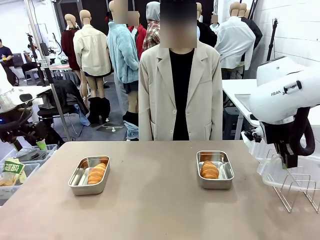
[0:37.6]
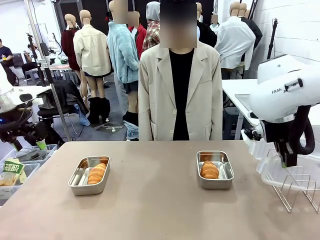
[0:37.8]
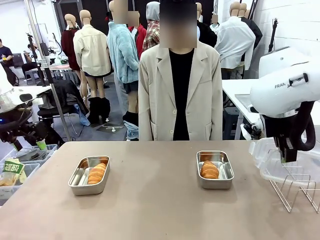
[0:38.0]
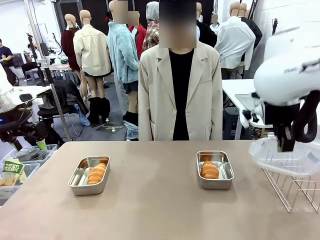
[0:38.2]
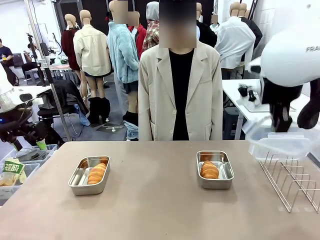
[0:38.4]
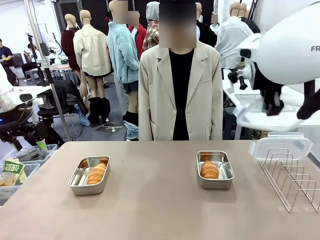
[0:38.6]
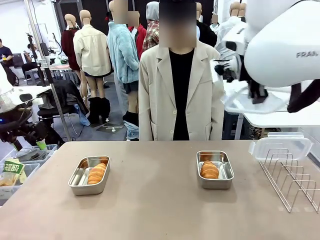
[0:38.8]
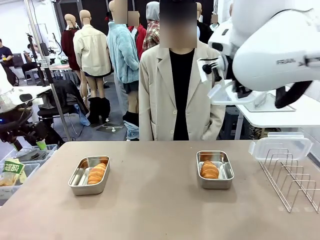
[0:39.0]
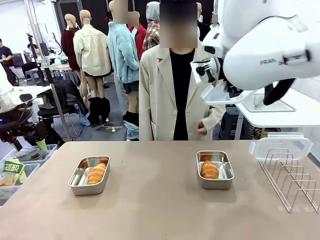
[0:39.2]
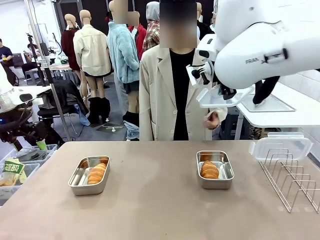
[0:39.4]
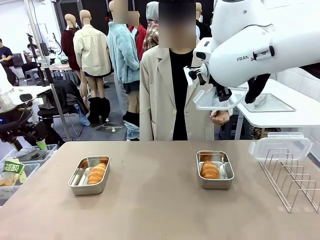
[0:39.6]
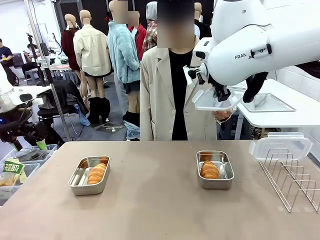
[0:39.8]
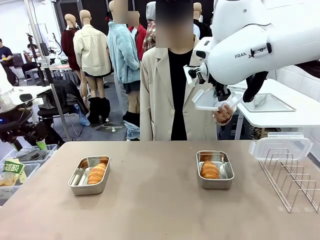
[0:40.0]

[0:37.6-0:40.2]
Task: Place the bread in airtight containers.
Robot: Release when the human grabs the Airtight Container lid.

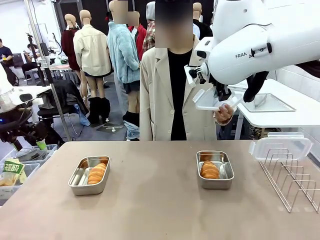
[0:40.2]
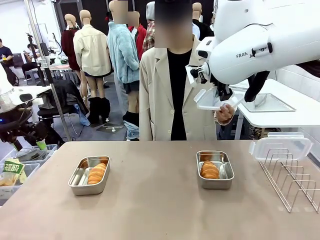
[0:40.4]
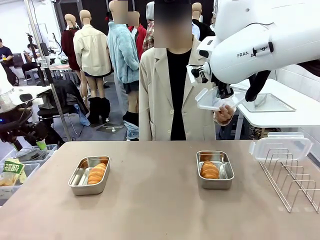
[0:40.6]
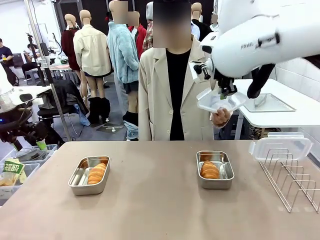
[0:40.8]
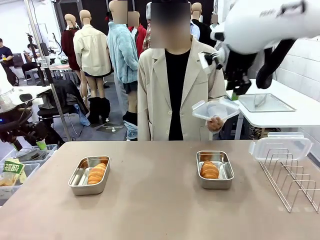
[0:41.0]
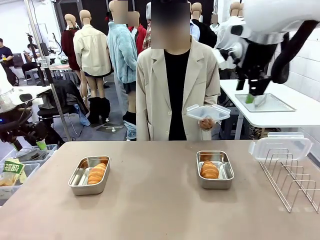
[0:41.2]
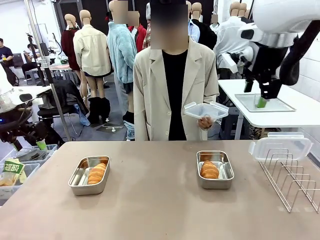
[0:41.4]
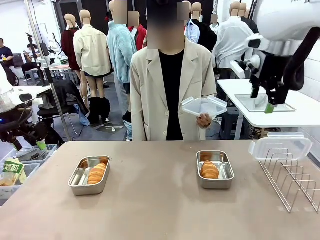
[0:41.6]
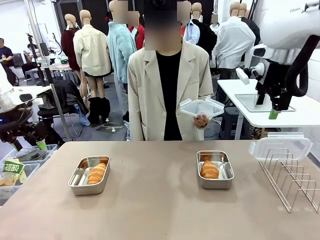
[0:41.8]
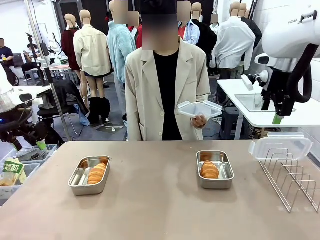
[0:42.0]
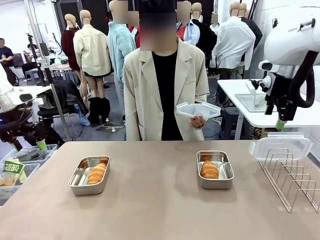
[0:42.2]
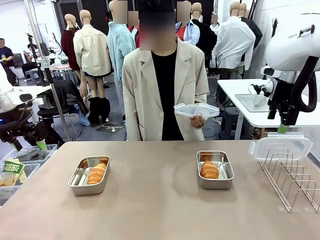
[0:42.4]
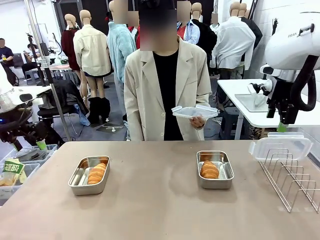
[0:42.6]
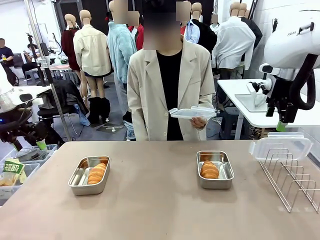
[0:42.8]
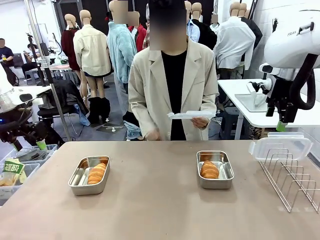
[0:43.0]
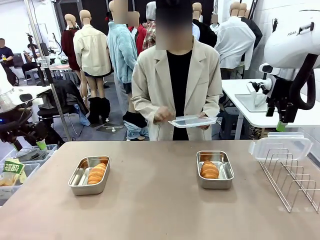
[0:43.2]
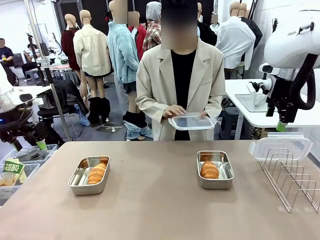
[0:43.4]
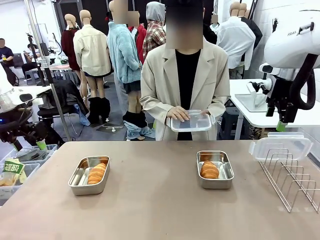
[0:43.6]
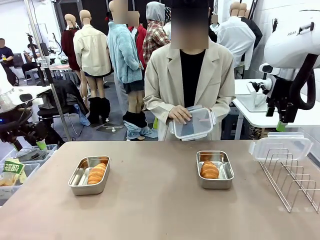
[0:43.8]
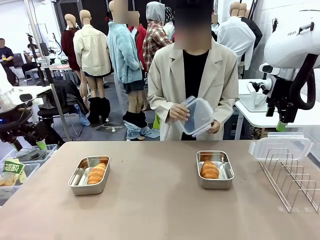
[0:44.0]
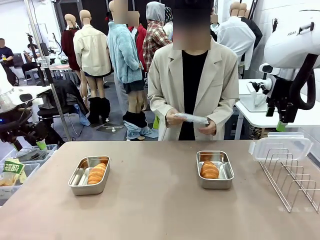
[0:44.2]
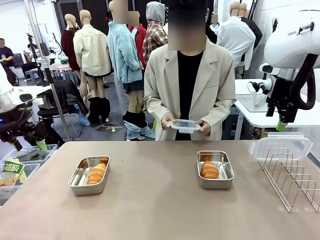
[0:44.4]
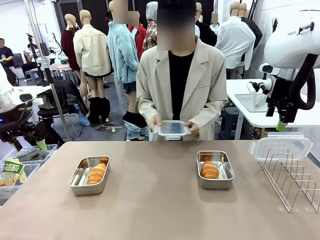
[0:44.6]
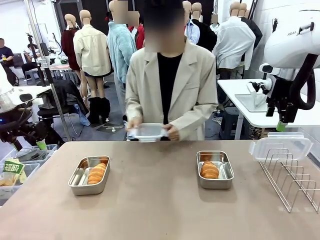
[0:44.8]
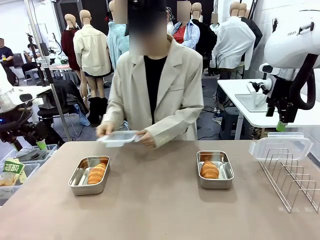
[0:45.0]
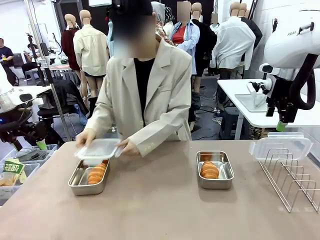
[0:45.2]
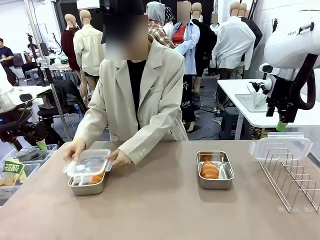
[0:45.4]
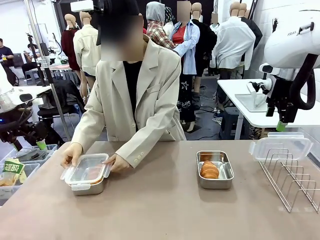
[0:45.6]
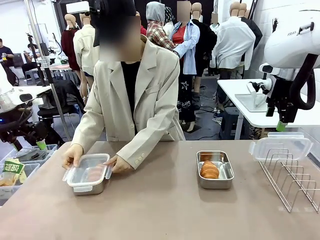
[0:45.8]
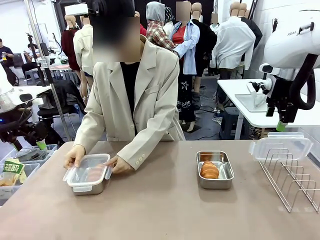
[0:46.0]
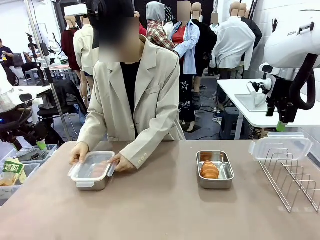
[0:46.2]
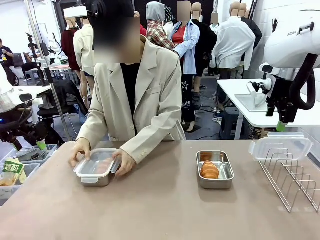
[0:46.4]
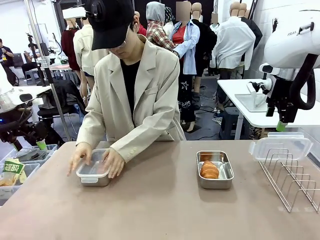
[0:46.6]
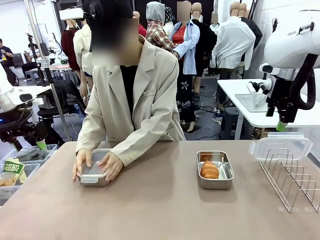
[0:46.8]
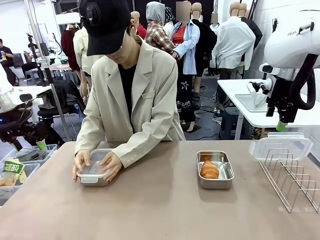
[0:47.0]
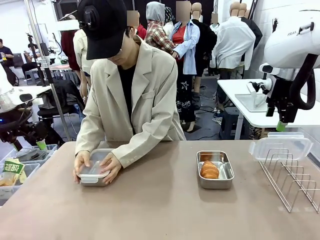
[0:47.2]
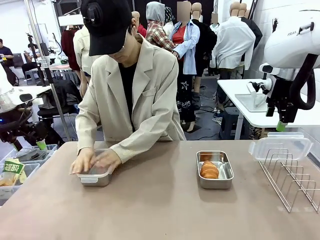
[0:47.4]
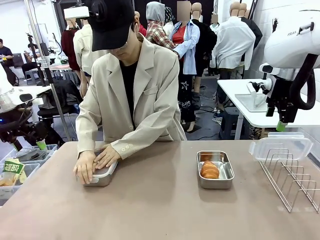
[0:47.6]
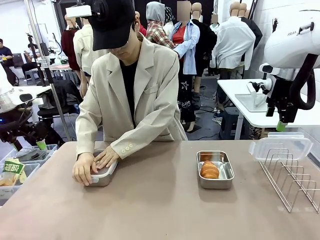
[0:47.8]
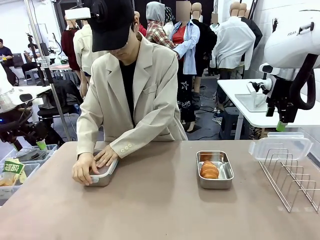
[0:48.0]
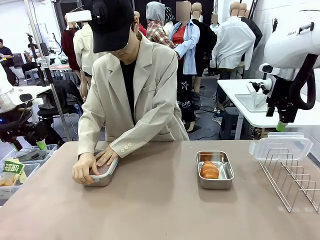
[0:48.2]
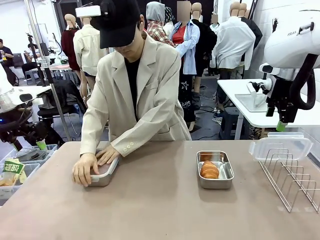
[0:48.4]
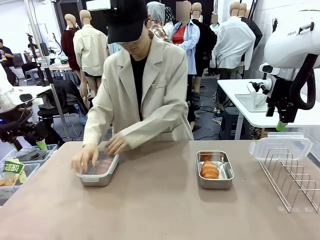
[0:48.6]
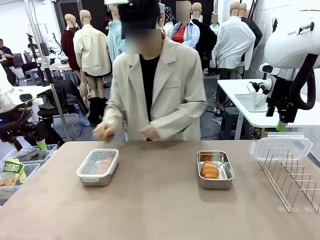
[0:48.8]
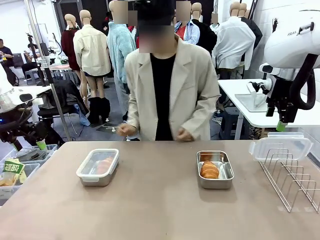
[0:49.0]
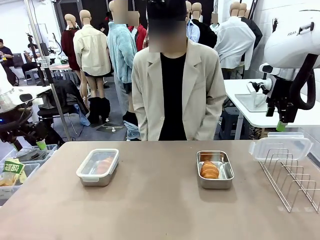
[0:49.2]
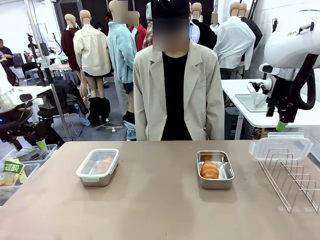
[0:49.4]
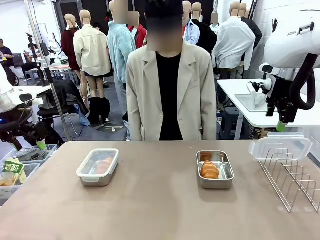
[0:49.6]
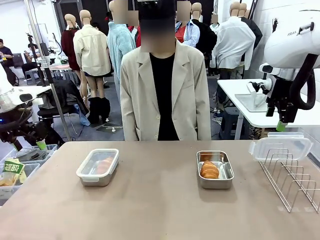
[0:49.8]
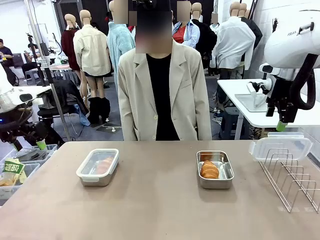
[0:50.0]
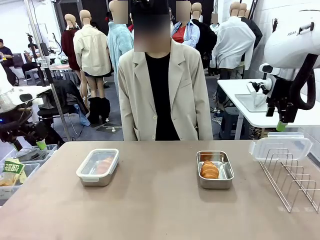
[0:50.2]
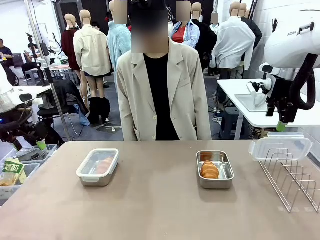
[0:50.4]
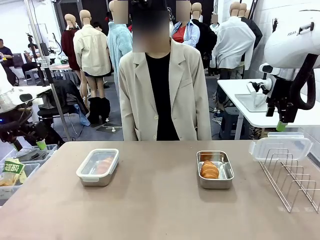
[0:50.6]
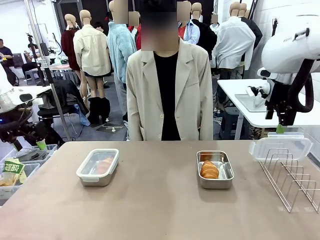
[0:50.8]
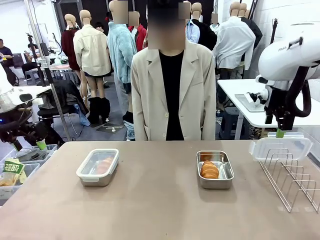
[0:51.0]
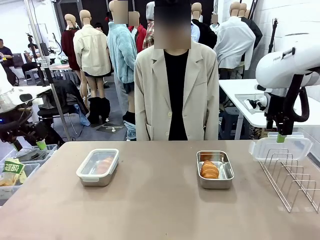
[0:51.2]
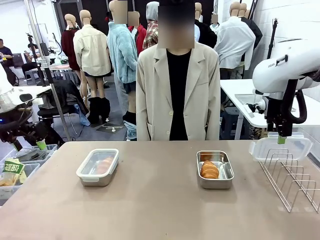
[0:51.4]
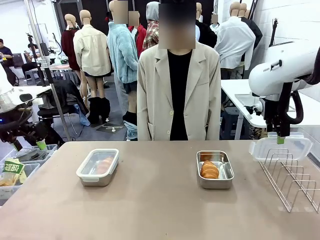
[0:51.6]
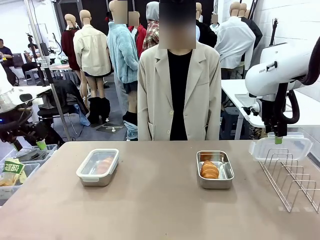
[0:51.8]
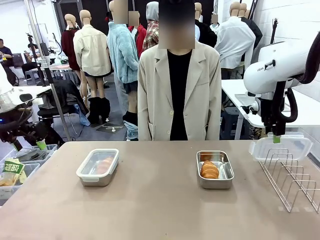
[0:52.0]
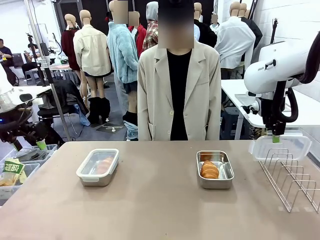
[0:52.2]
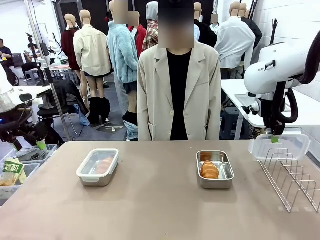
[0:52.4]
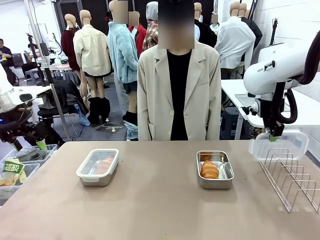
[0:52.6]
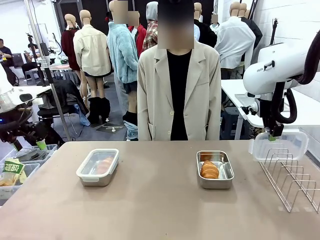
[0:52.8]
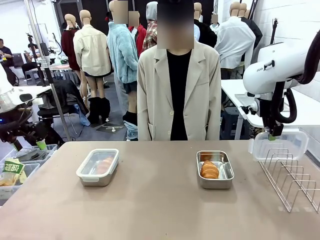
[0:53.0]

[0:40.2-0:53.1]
Robot: Pick up one Airtight Container lid and hand it to the human.
Person: Close Airtight Container with a handed Airtight Container lid.

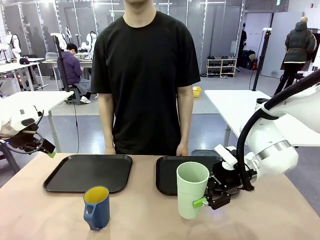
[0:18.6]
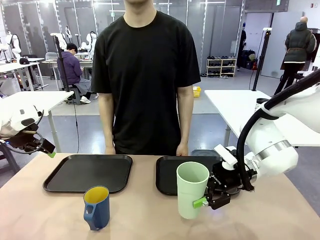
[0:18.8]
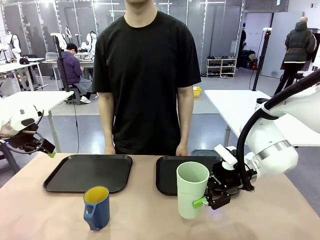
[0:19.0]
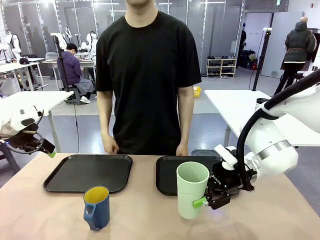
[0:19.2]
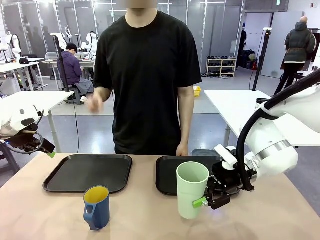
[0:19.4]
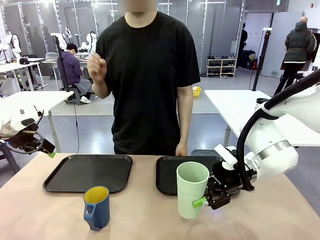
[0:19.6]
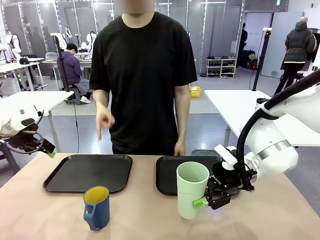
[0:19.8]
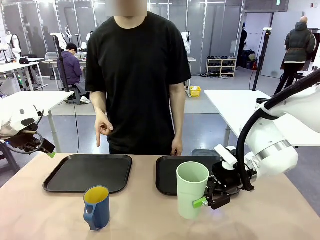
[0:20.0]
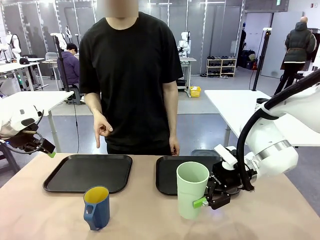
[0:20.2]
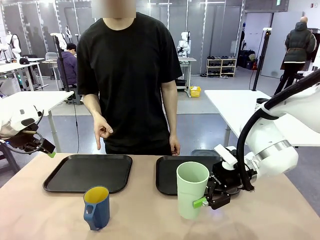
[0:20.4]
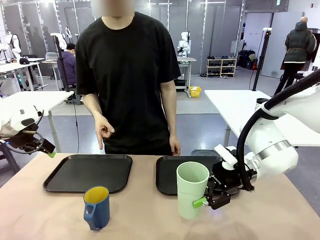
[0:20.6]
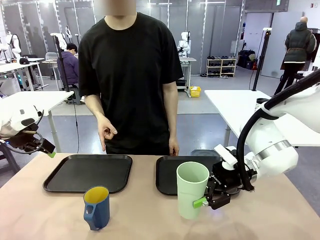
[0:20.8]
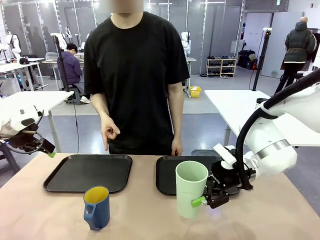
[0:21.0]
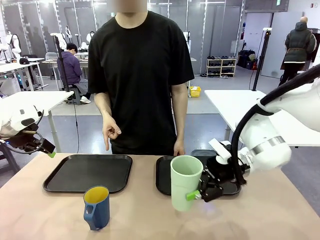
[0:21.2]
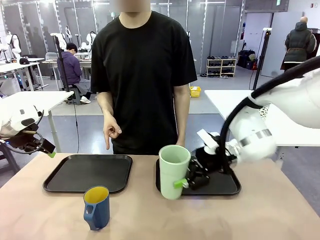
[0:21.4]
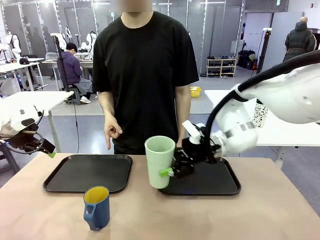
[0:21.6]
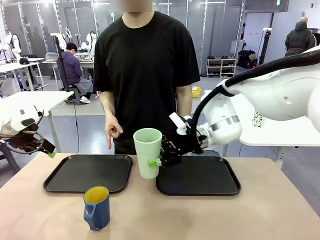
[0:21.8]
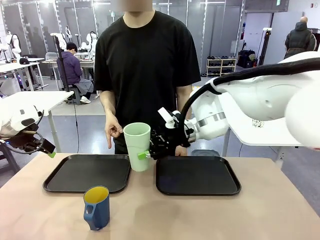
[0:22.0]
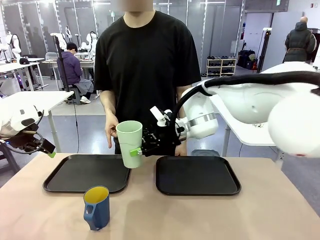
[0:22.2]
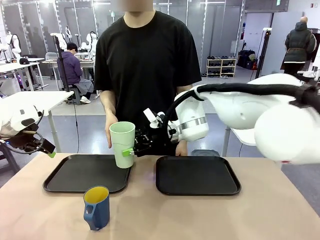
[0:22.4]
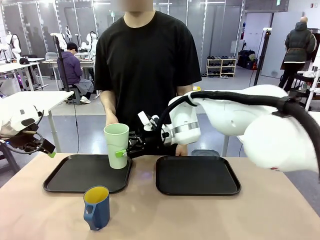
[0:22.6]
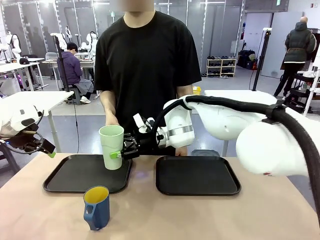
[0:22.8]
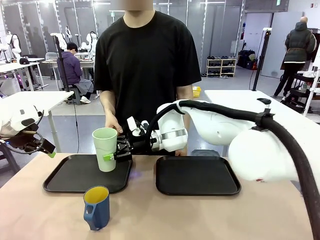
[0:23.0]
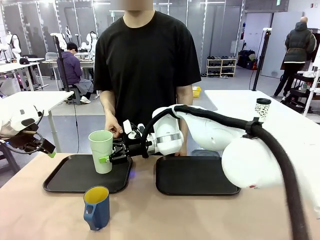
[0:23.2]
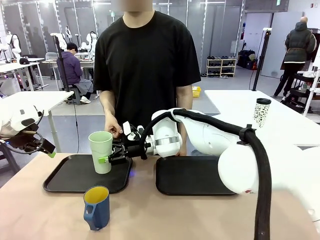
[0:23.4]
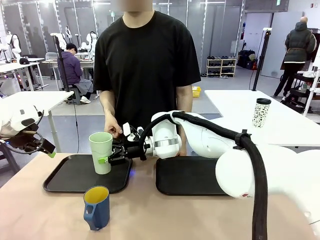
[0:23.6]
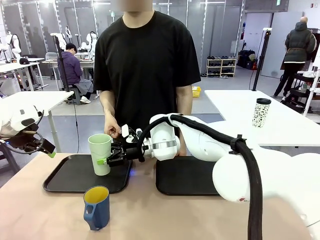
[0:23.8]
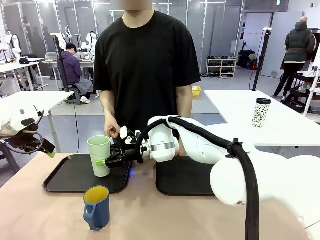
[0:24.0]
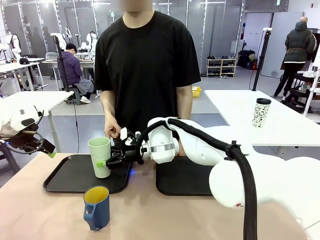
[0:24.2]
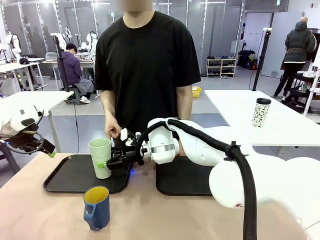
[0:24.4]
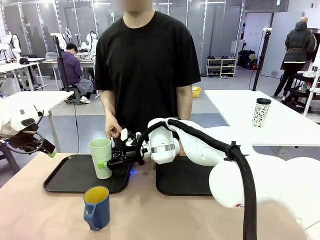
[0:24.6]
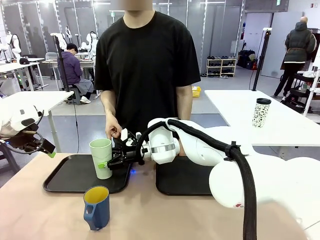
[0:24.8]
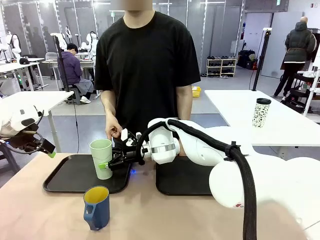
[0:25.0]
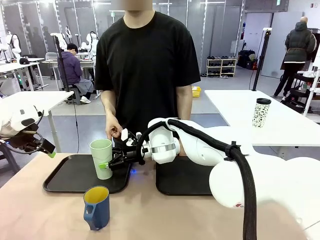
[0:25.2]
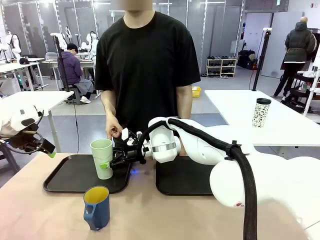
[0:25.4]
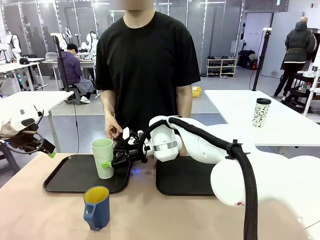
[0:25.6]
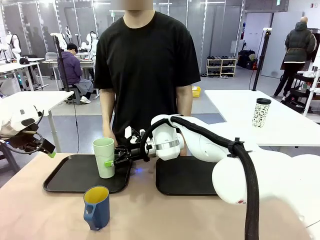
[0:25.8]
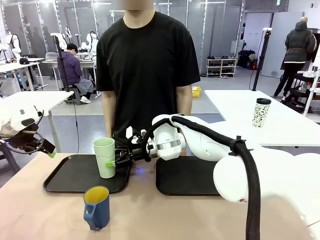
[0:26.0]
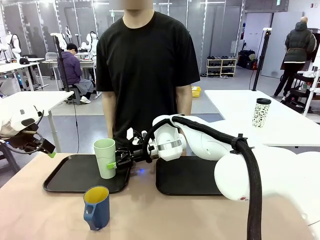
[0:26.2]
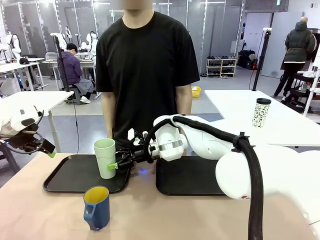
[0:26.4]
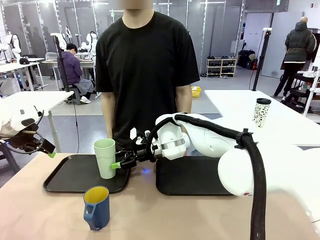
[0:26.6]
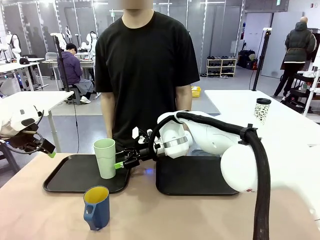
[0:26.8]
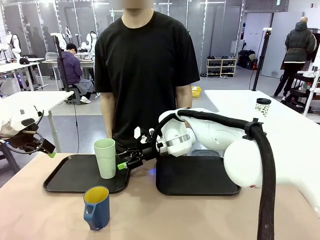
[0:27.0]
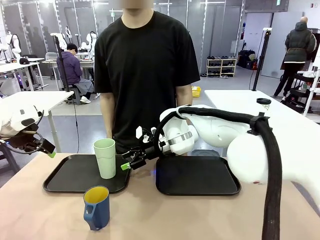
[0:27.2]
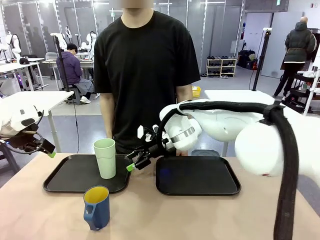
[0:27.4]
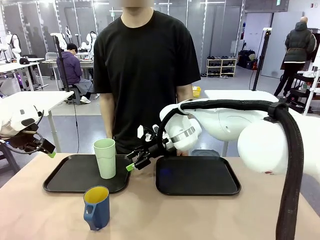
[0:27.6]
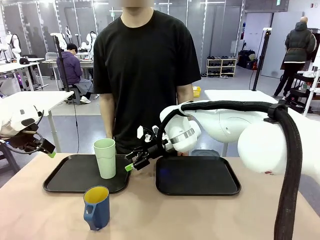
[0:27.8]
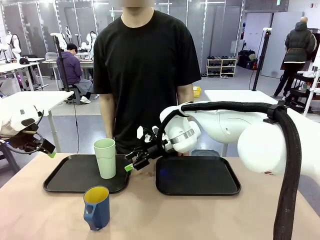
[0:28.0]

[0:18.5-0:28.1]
Task: Sort and store the cups by type.
Robot: Place the picked Reusable plastic cup into the Flat Tray indicated by the person.
